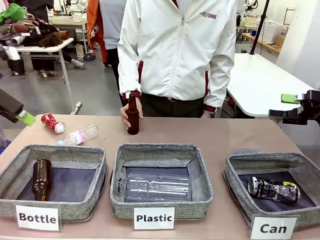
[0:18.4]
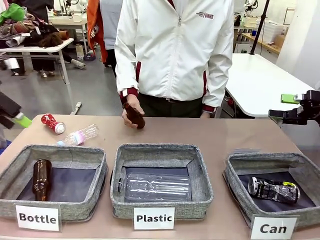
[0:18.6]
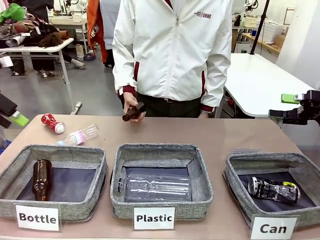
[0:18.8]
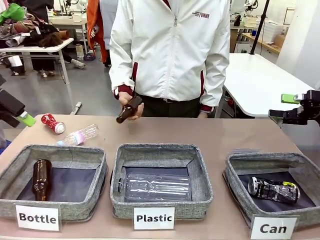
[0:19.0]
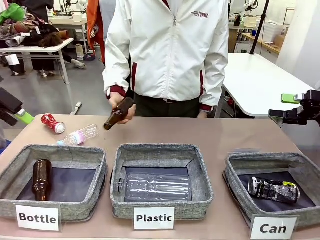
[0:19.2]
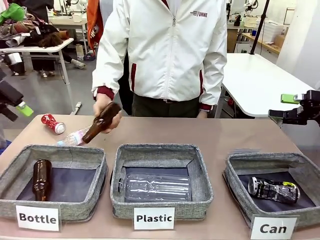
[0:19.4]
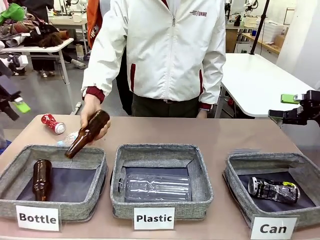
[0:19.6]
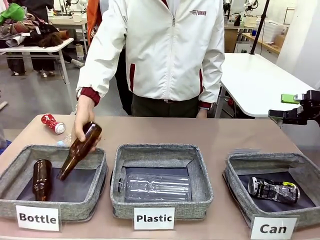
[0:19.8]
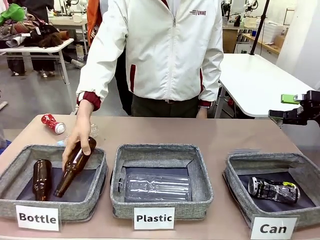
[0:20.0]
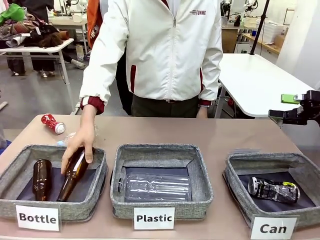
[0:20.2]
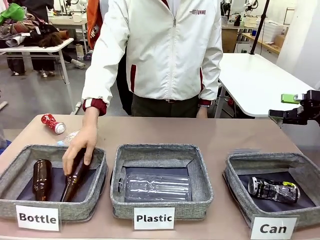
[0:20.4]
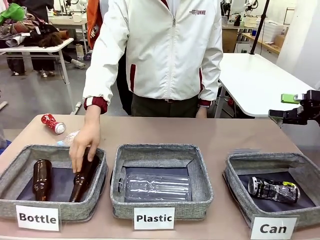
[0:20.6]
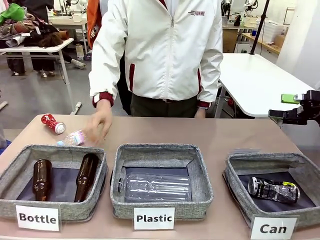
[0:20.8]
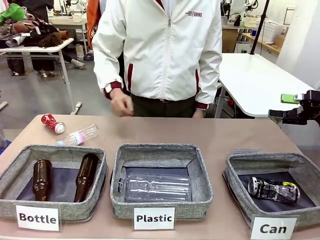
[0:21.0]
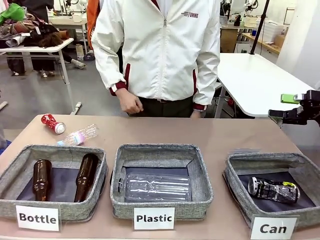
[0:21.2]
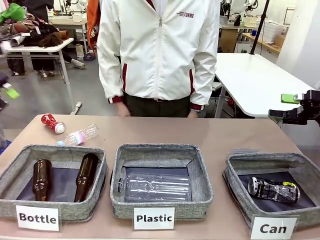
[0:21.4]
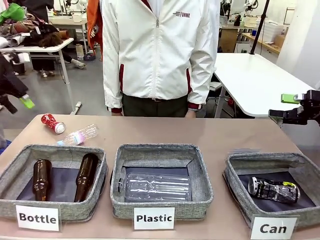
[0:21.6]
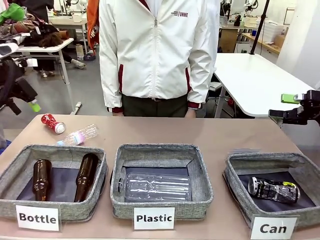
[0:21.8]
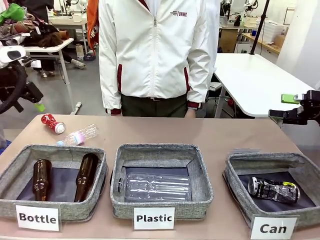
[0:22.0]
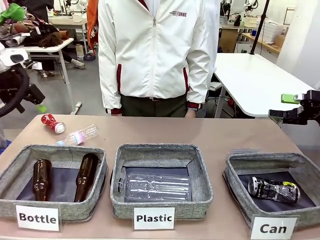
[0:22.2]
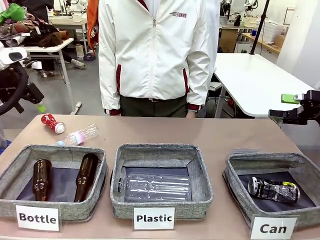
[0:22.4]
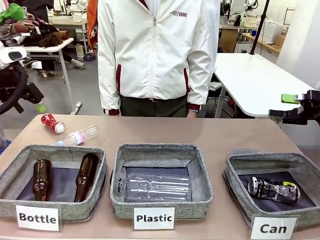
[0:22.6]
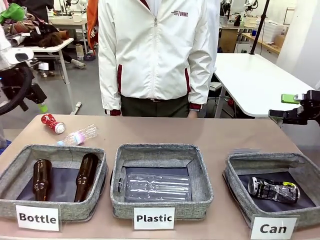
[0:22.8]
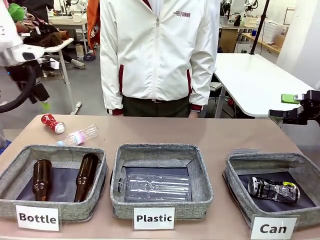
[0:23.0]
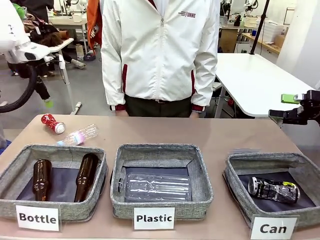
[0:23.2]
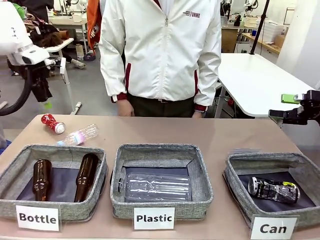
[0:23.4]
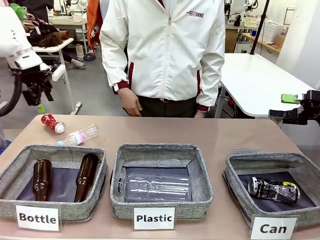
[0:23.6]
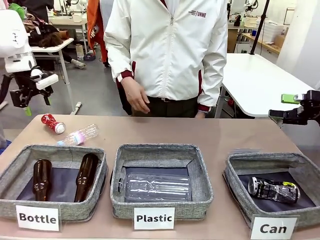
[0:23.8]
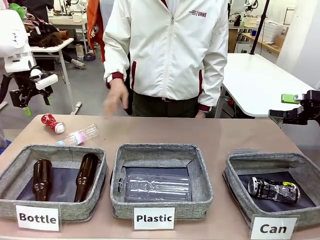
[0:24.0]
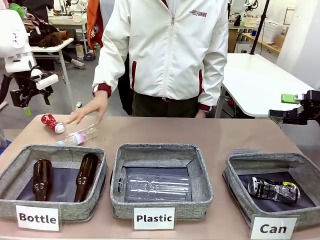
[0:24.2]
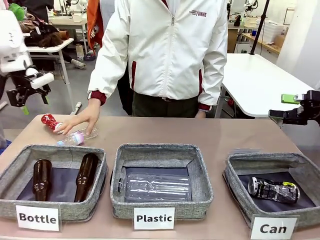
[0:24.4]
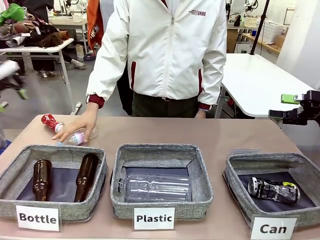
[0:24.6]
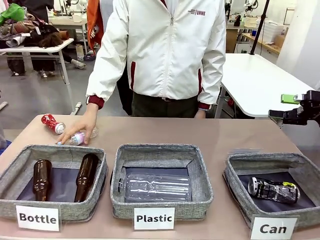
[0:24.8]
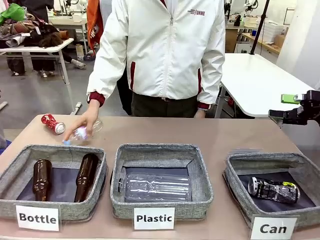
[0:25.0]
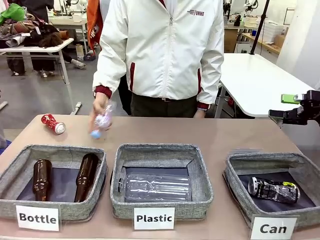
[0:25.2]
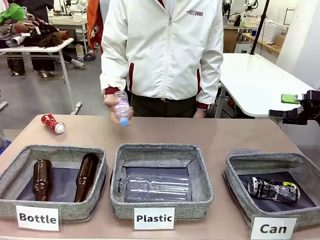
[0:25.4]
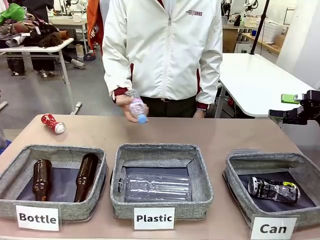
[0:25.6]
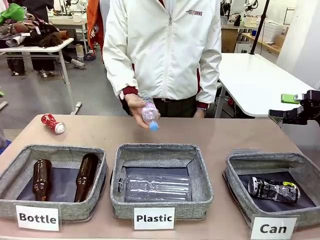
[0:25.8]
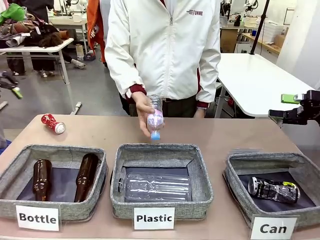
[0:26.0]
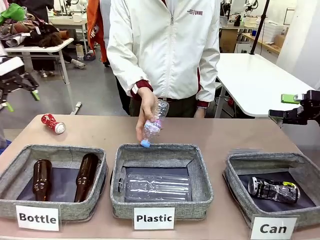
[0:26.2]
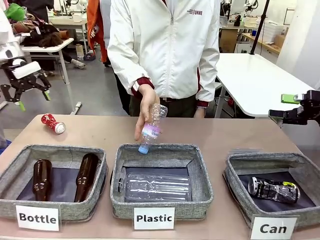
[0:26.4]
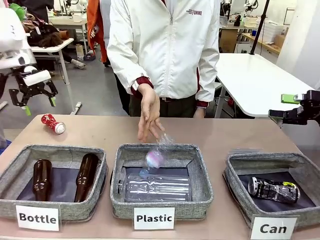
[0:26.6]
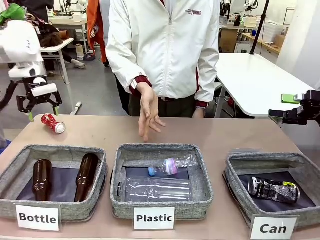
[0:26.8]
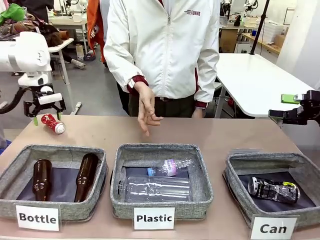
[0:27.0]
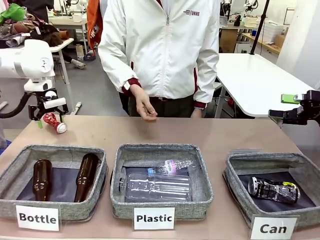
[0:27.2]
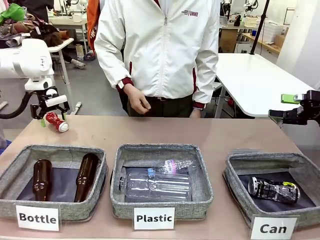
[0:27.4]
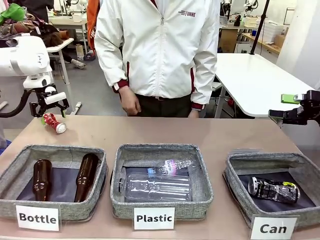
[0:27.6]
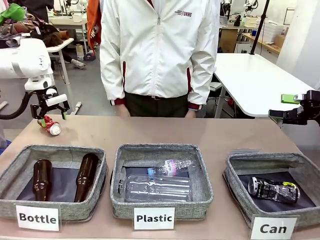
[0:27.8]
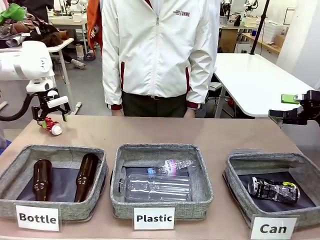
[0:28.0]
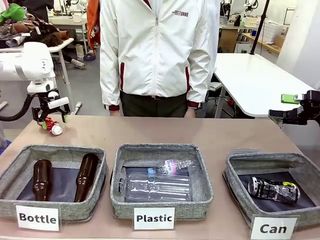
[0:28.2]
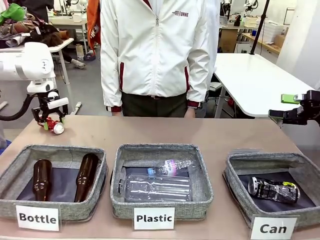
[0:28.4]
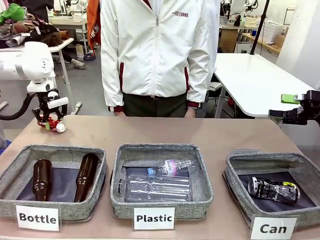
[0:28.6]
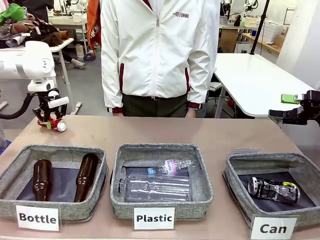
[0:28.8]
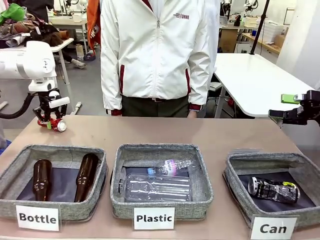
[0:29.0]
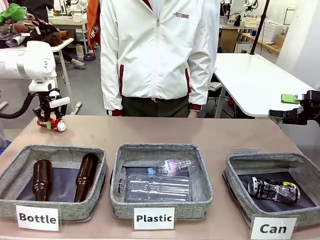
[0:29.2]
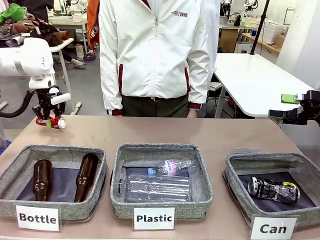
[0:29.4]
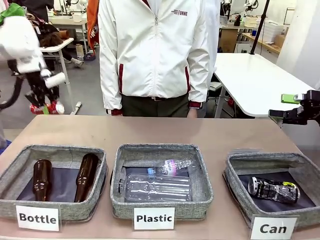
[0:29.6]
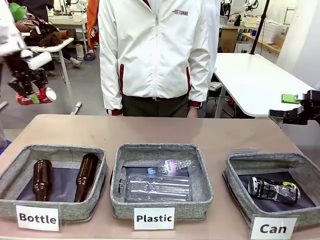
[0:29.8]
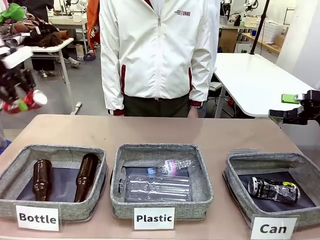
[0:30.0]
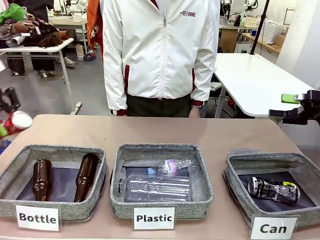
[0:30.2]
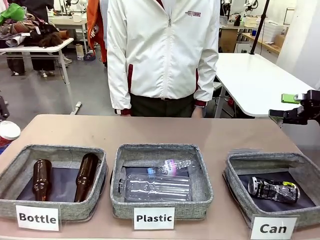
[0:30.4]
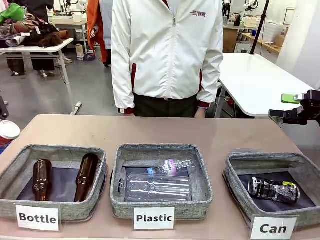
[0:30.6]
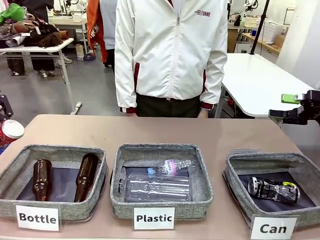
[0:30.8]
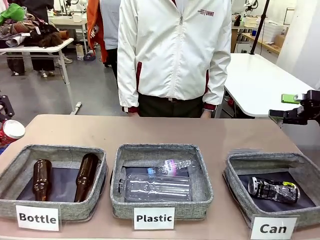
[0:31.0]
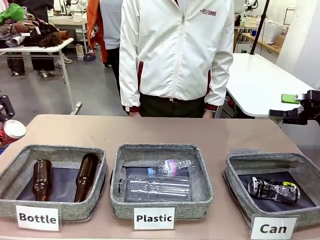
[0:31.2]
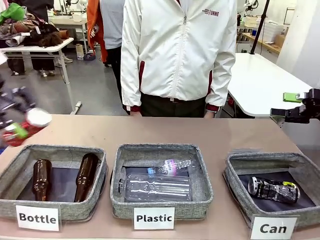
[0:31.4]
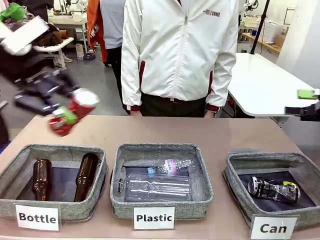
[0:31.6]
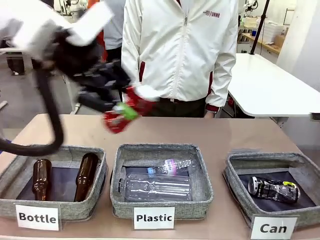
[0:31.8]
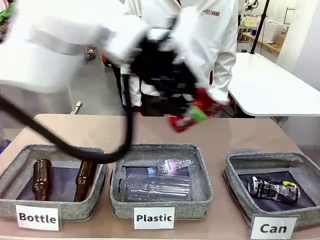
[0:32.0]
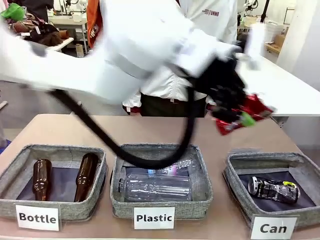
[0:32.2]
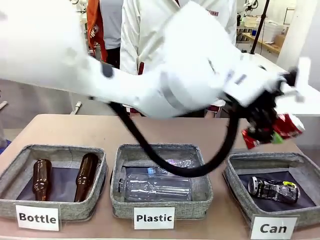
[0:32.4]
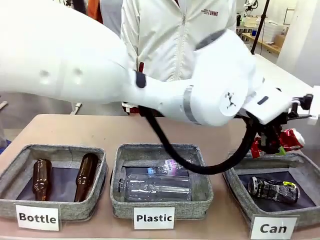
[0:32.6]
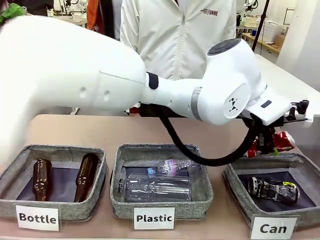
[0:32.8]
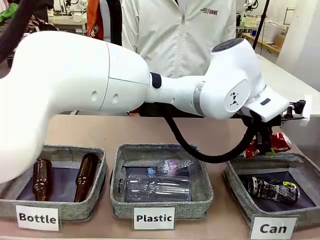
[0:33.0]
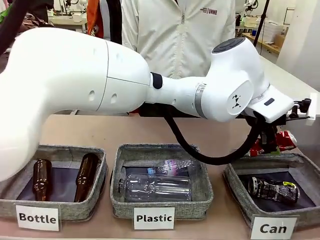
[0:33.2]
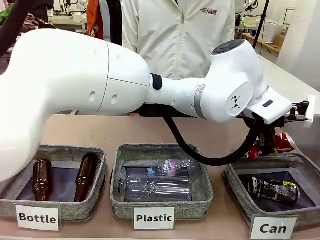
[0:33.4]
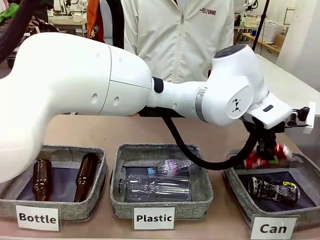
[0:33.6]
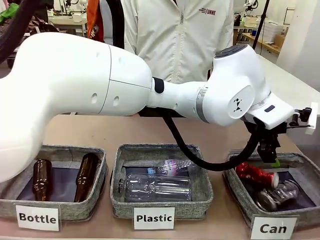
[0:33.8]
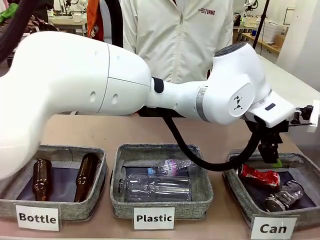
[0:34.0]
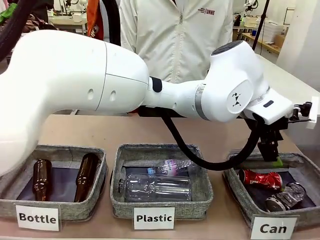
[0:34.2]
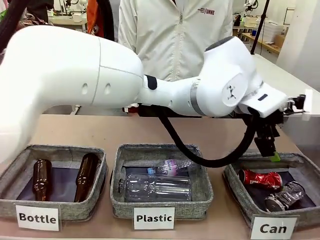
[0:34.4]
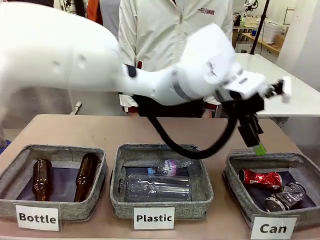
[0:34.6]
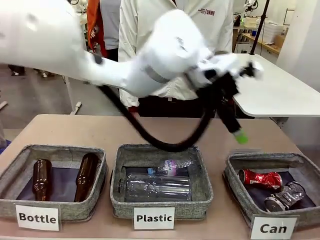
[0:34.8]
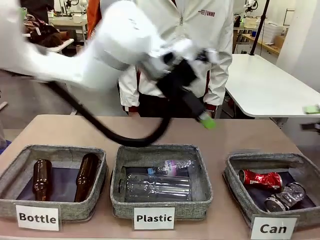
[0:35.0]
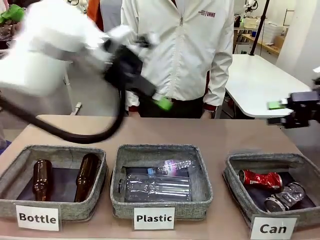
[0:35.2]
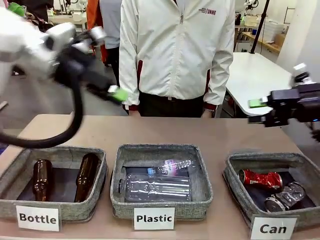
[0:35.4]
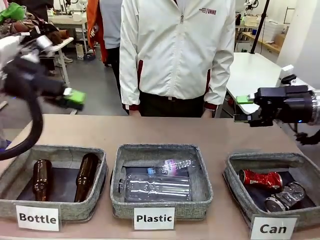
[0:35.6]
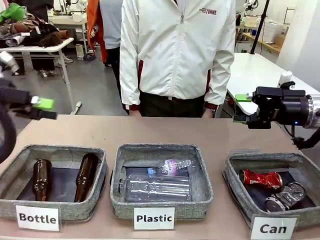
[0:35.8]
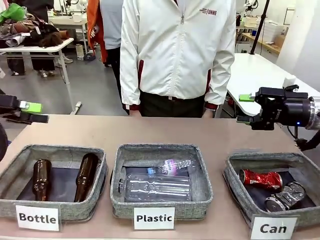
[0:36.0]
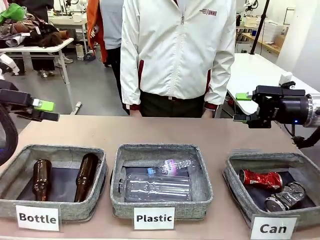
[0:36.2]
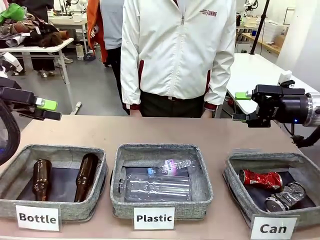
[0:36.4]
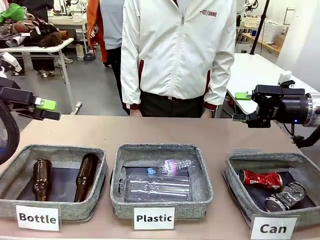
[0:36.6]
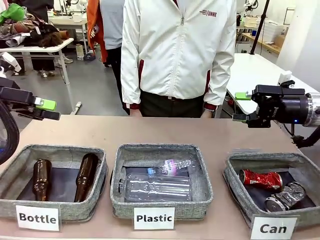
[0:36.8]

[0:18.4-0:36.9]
Task: Sort the can waste into the basket.
Robot: Pick up the can waste from the table and place it in the right Fabric basket.
Person: The human picks up one piece of trash that is not a can and places the trash into the appropriate organizing basket.
